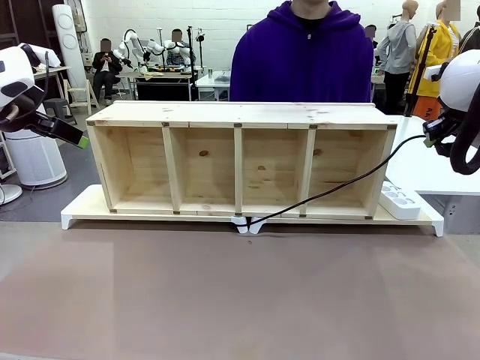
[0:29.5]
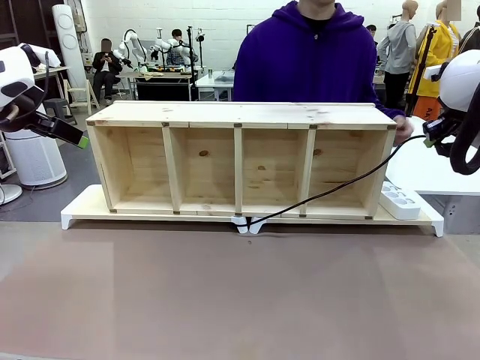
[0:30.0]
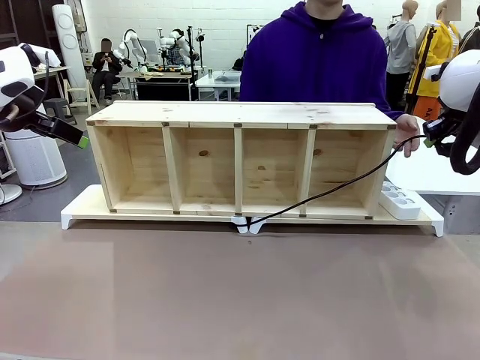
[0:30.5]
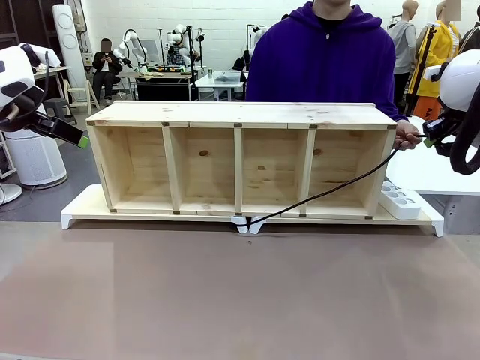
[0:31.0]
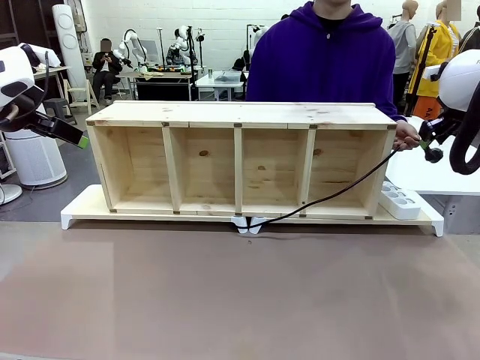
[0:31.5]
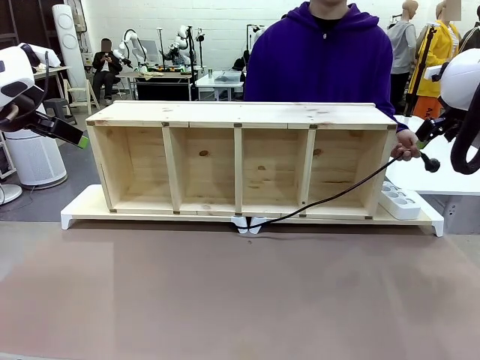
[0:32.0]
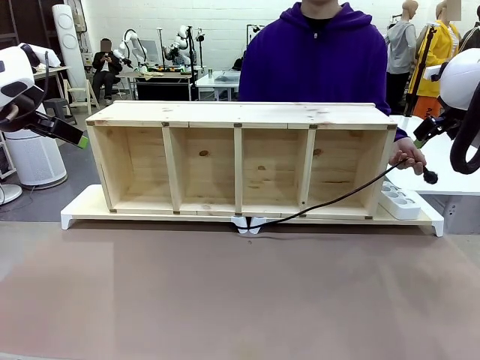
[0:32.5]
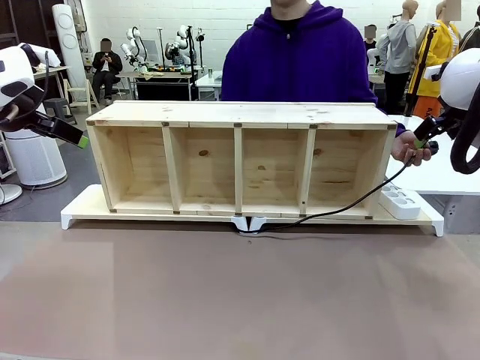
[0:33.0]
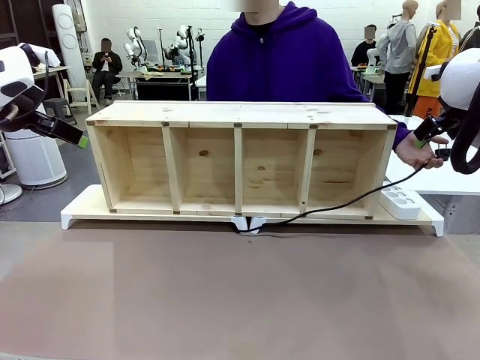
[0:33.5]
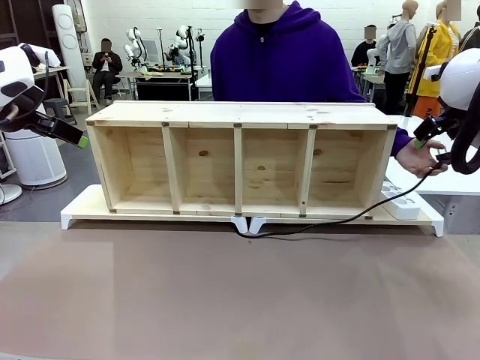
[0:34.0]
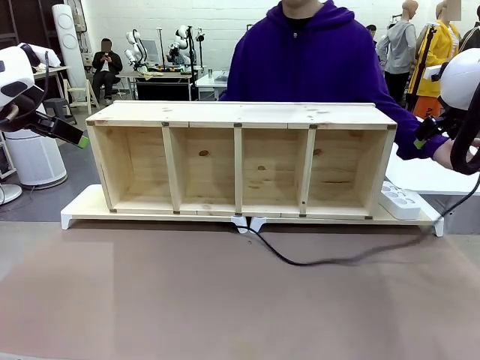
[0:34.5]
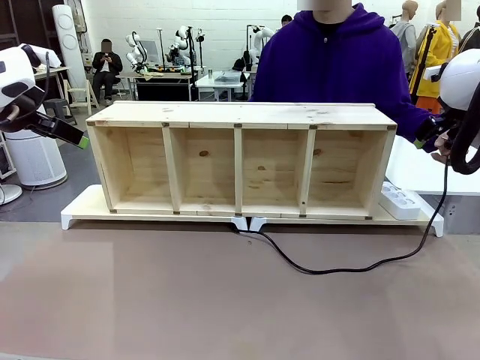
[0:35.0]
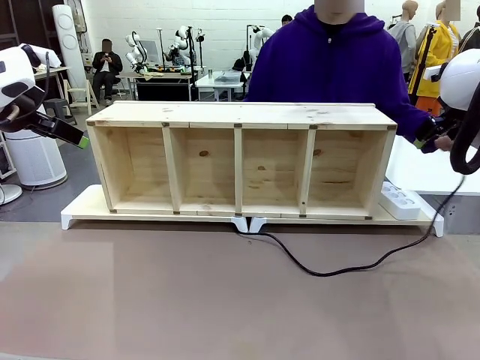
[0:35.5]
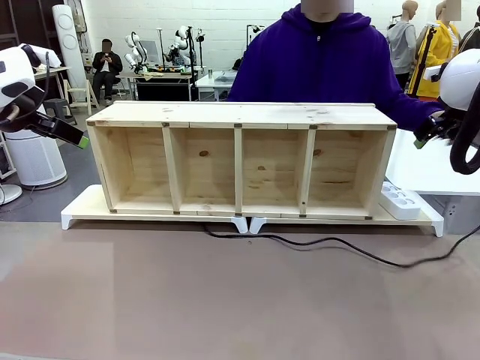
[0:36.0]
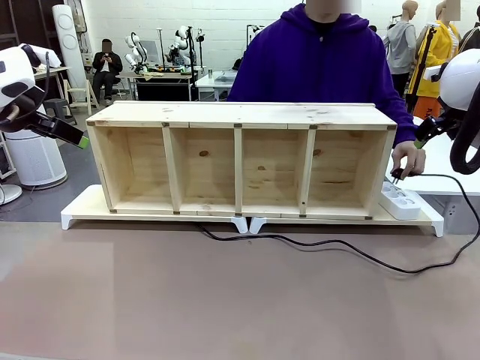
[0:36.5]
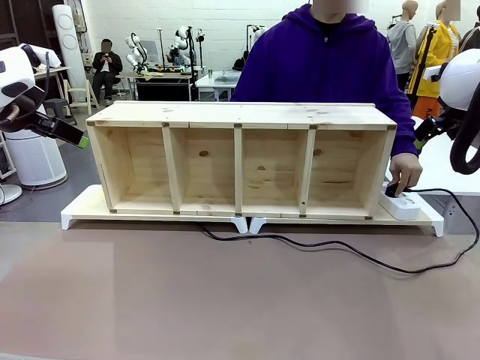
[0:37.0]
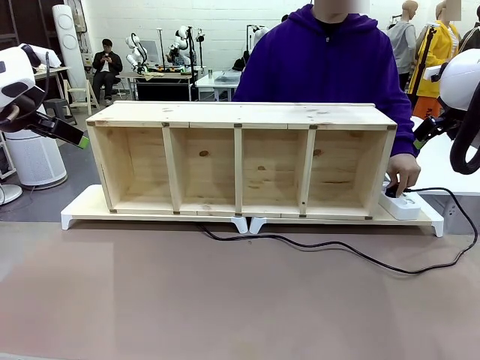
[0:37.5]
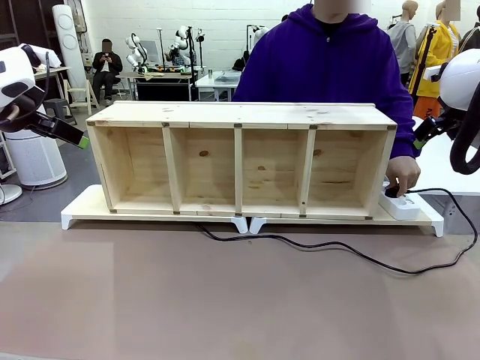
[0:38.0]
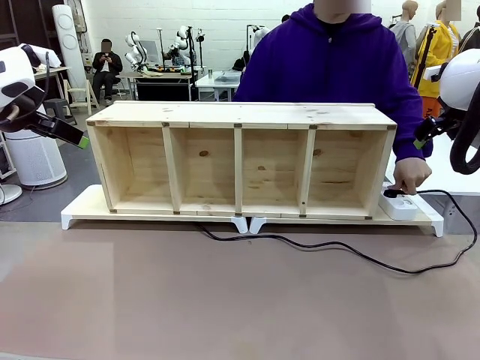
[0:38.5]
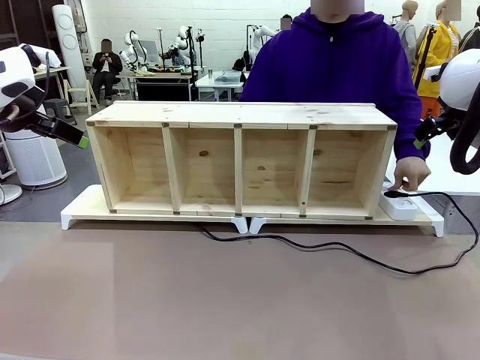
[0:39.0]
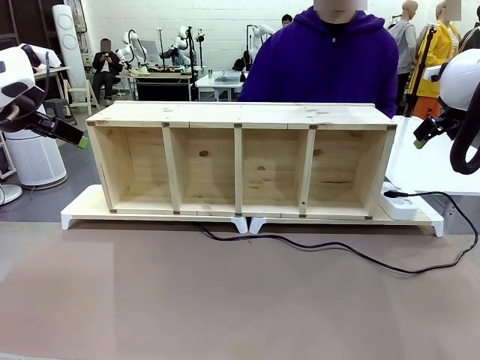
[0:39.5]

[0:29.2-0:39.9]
Task: Perform cable management.
Robot: Release the Power Cable when the human grasps it.
Person: Plug the Power Cable into the Power Strip.

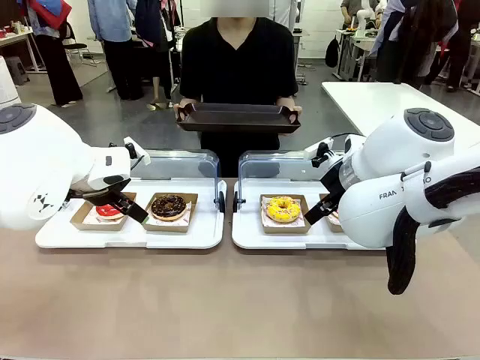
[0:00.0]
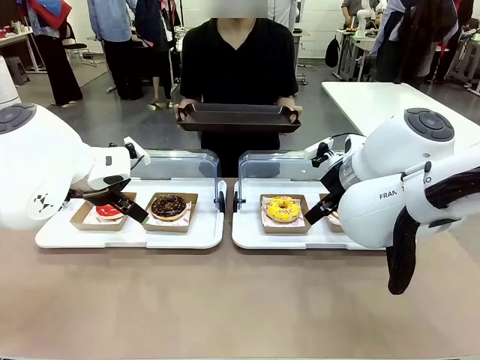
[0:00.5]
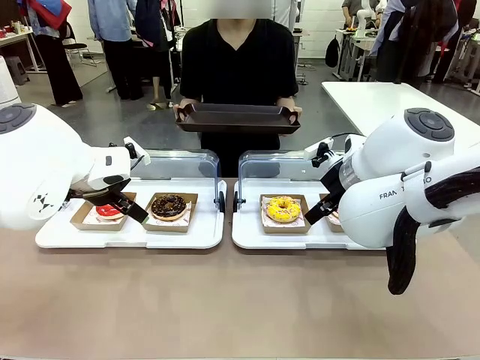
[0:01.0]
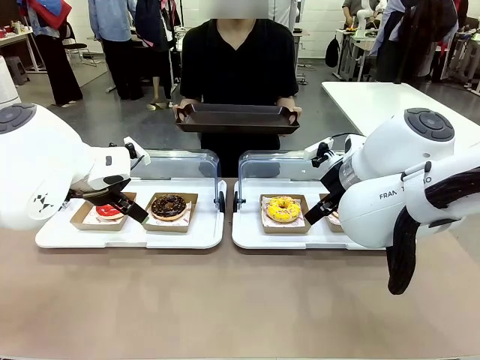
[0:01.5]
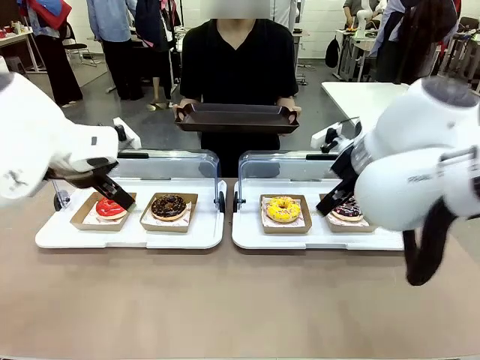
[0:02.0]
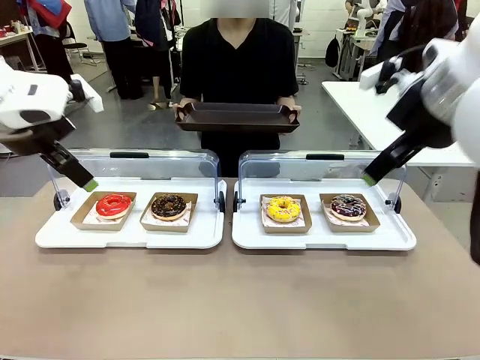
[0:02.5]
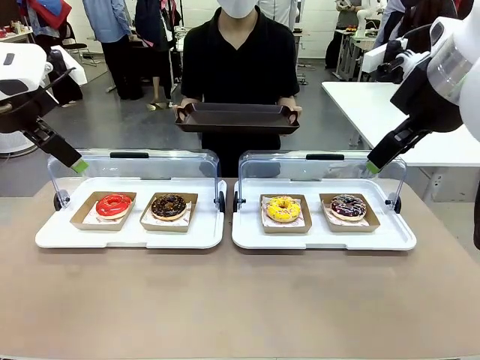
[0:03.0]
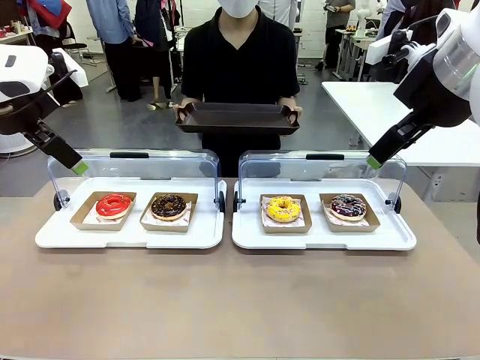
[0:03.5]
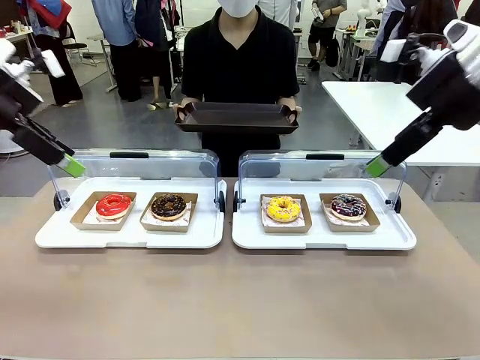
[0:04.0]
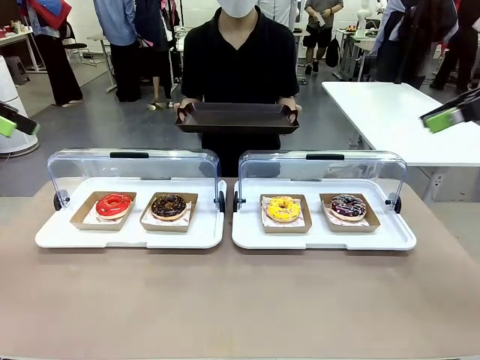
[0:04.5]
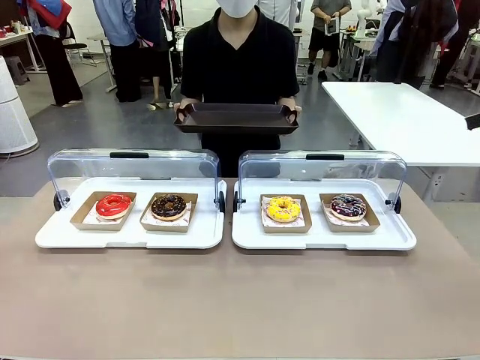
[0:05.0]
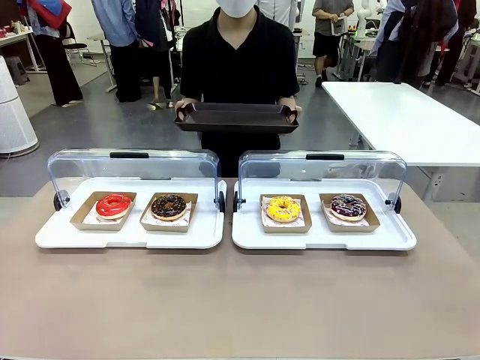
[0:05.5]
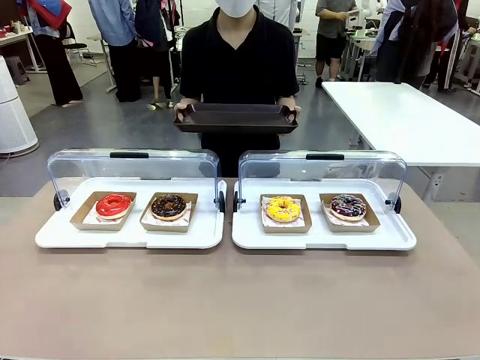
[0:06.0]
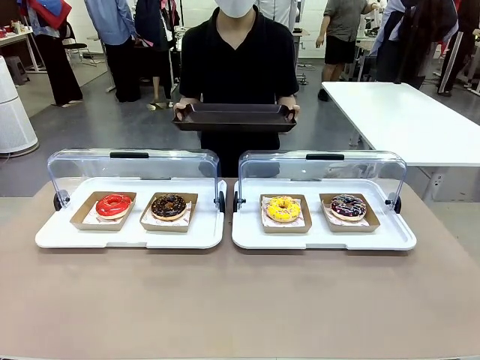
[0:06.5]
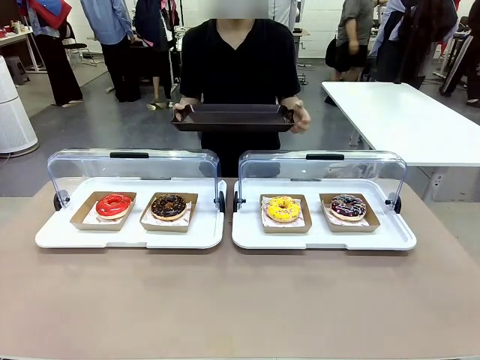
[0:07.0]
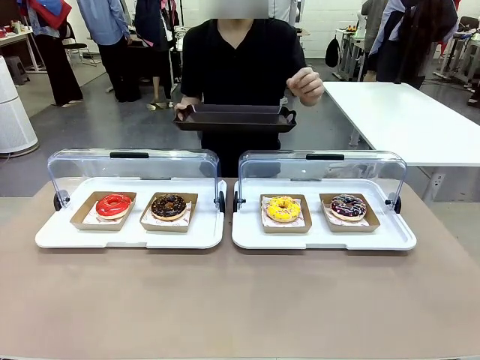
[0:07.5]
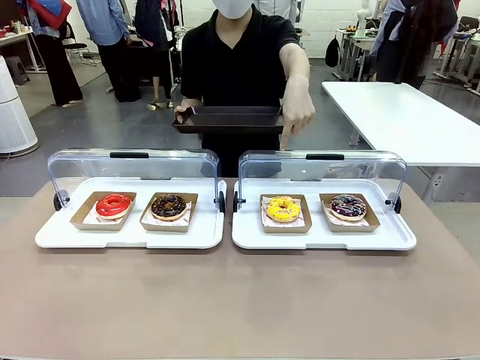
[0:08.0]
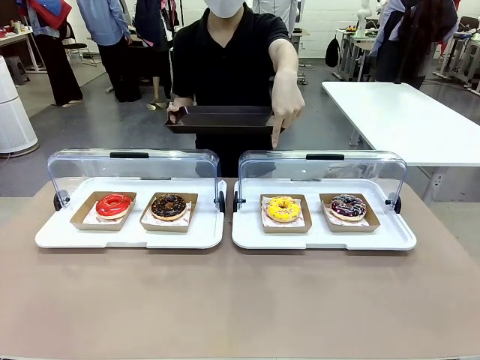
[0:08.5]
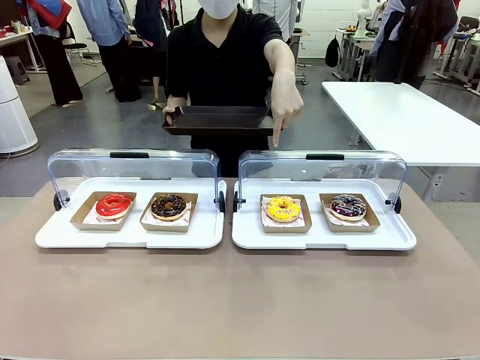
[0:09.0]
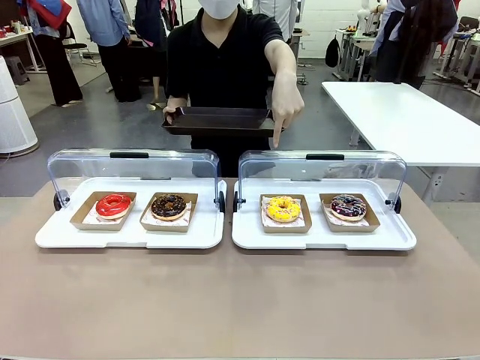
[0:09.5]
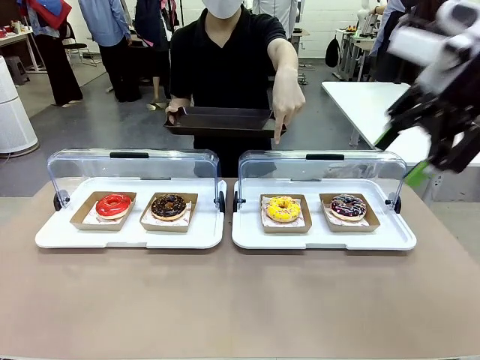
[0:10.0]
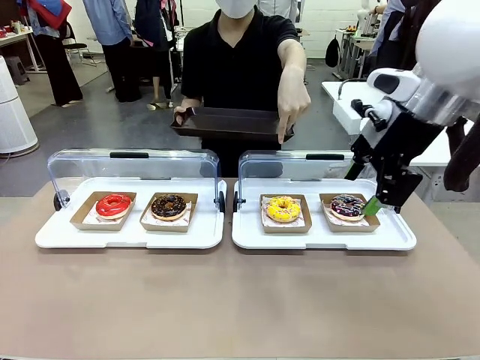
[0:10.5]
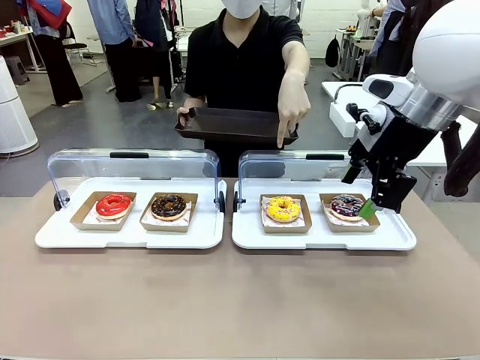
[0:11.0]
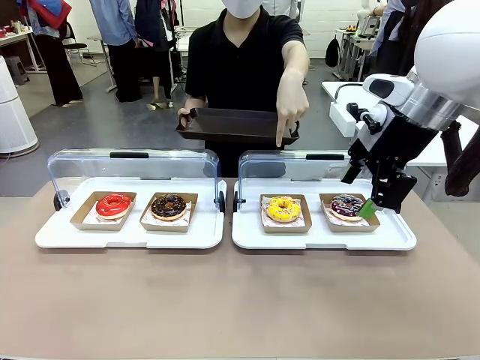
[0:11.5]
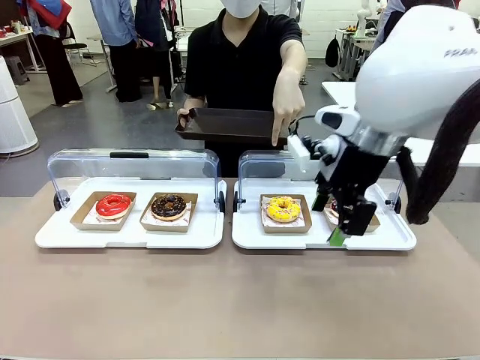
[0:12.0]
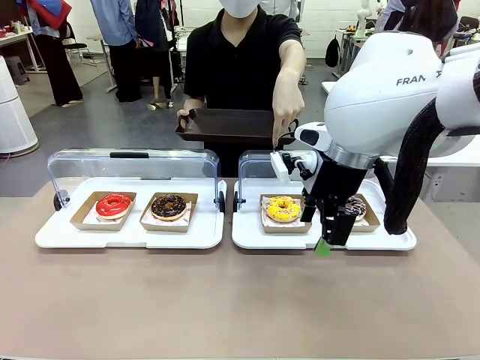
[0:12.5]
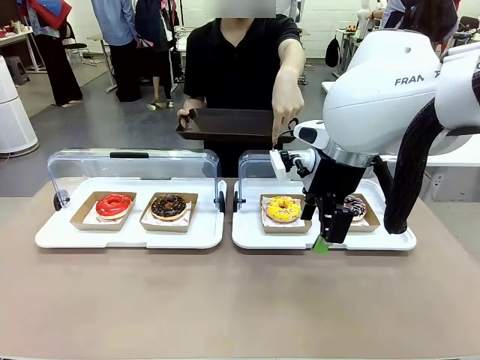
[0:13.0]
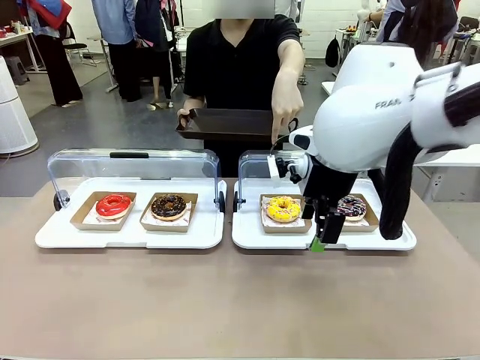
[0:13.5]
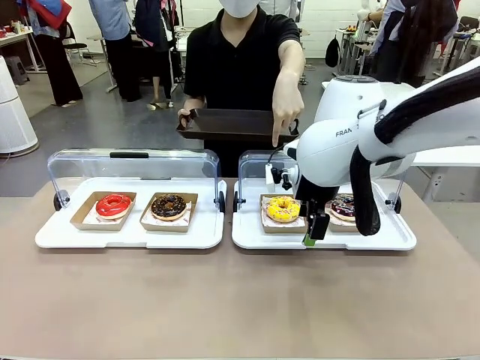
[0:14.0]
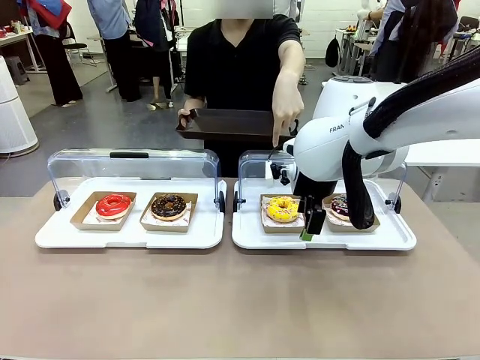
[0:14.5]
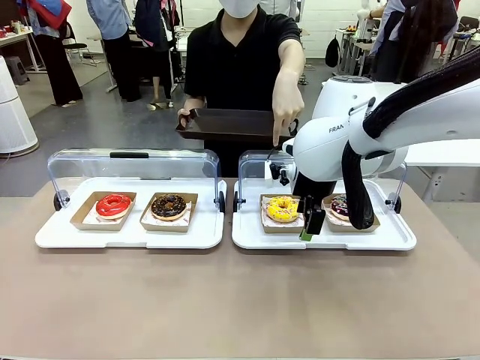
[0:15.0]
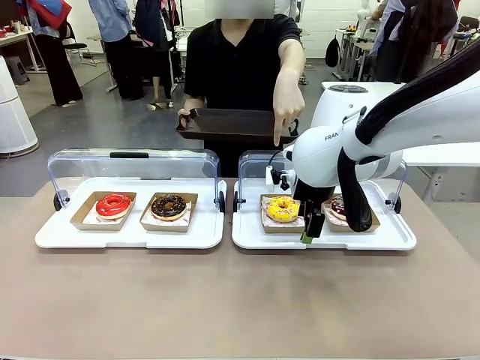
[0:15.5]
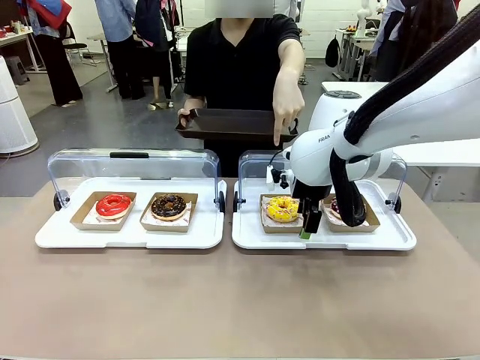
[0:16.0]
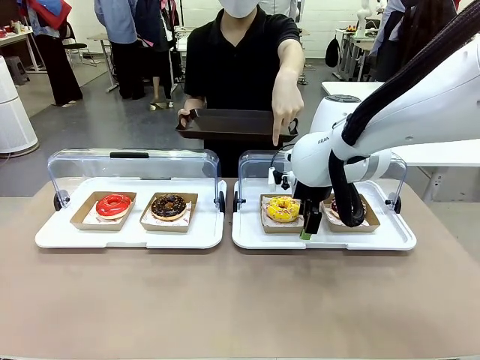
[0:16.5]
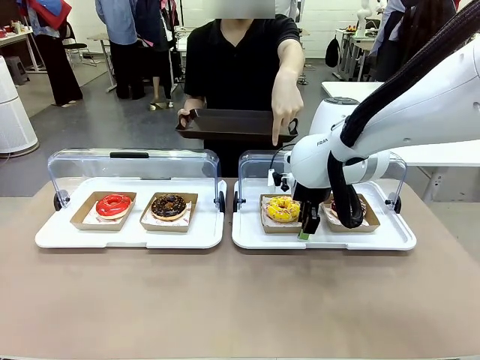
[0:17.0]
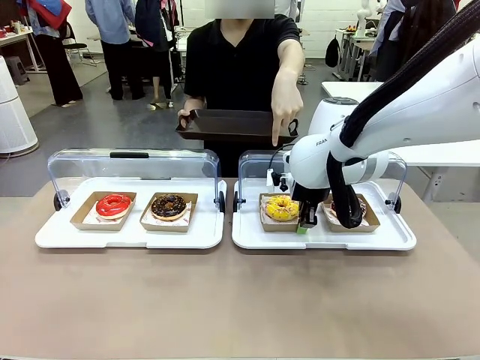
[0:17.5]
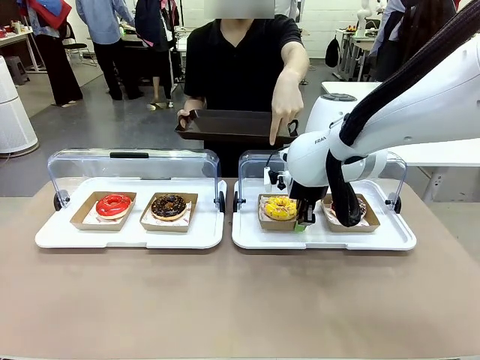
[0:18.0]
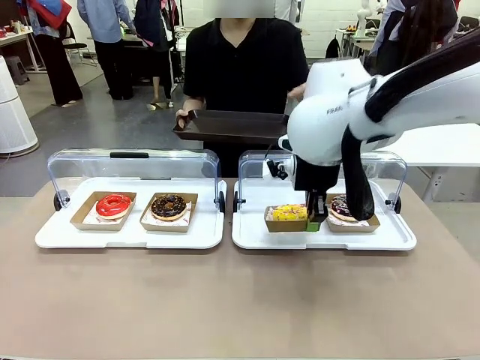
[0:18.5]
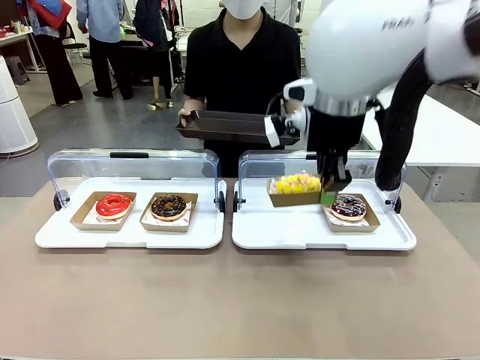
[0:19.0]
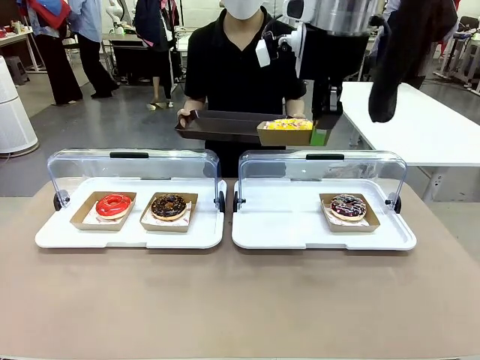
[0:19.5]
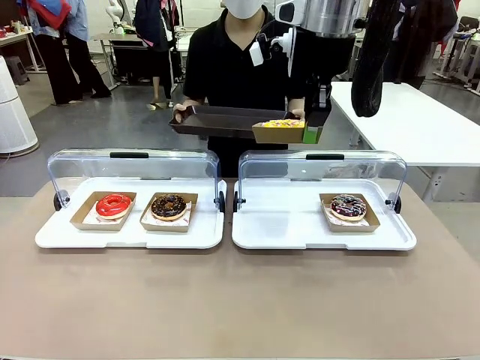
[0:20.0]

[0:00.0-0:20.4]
Task: Provide the desired donut to the person.
Robot: Pick up and lift the Paper togo box containing the Donut pointed at by the person.
Person: Point to one donut. Lift the tray onto the Roll-Top Bakery Case.
